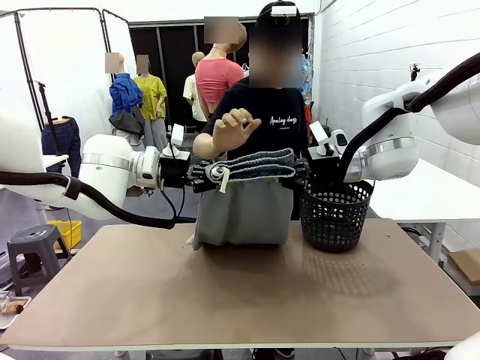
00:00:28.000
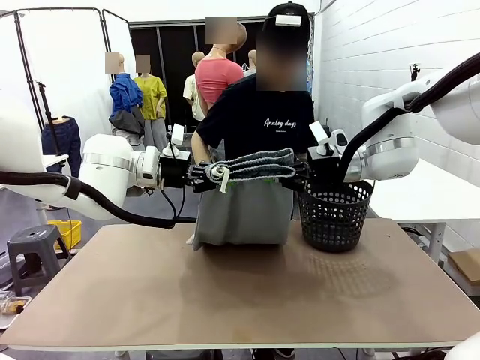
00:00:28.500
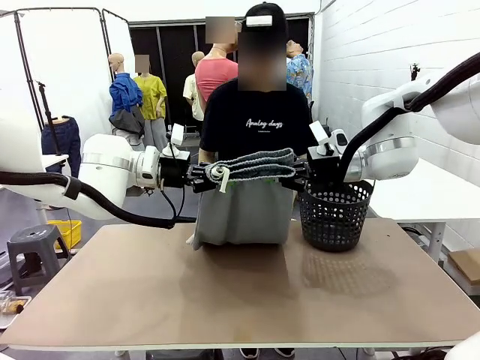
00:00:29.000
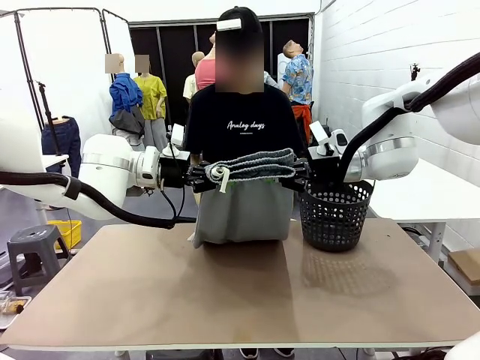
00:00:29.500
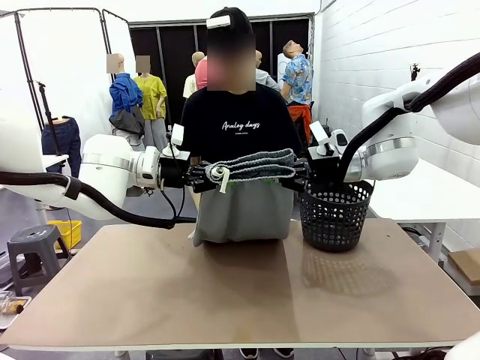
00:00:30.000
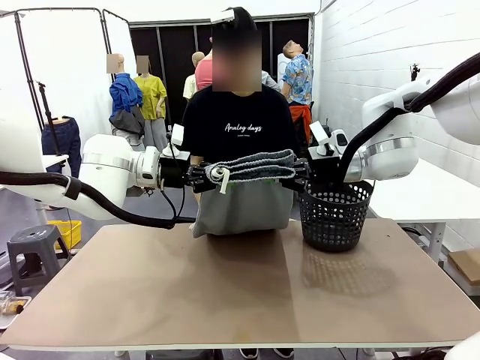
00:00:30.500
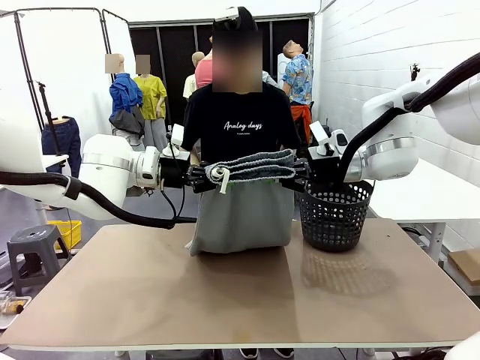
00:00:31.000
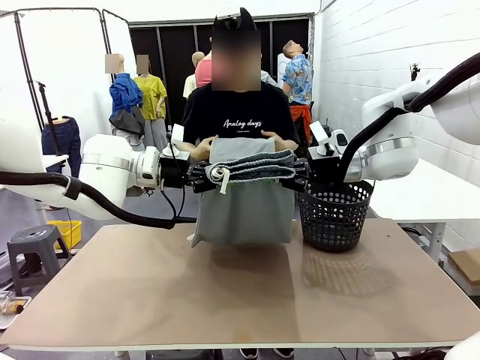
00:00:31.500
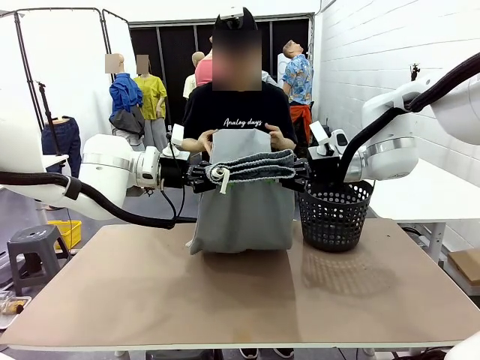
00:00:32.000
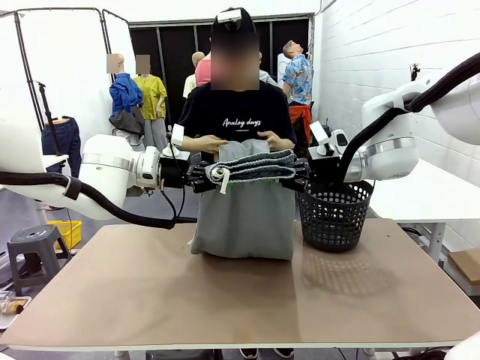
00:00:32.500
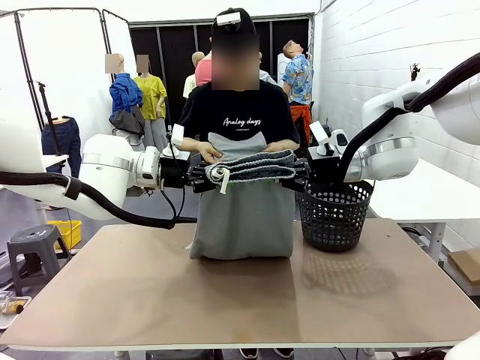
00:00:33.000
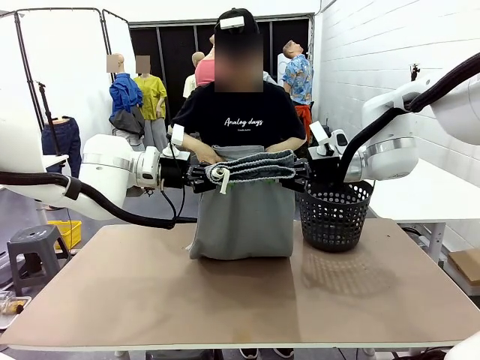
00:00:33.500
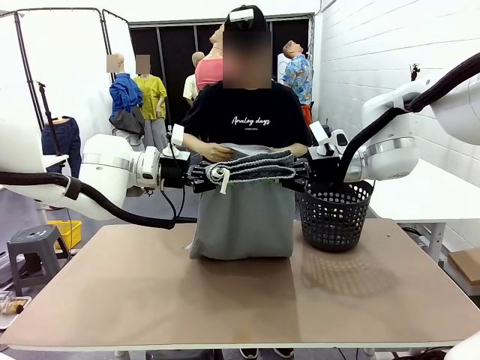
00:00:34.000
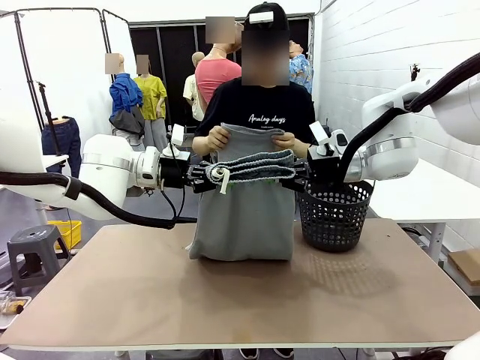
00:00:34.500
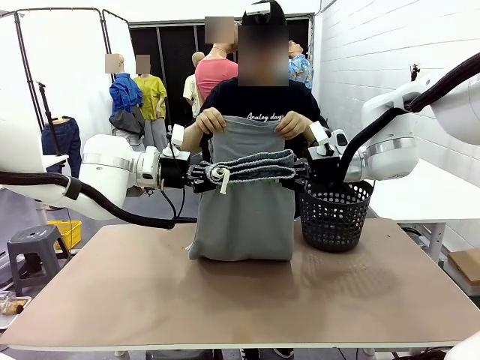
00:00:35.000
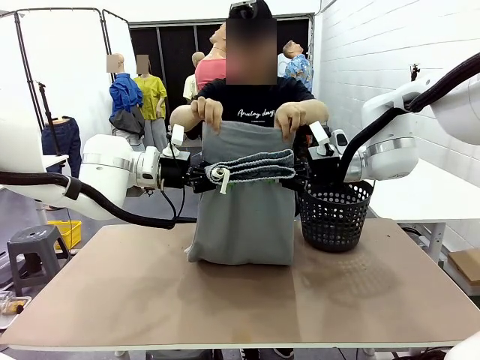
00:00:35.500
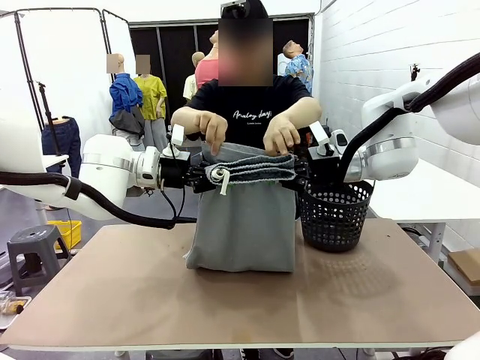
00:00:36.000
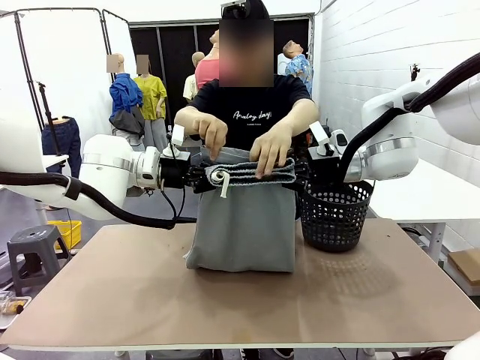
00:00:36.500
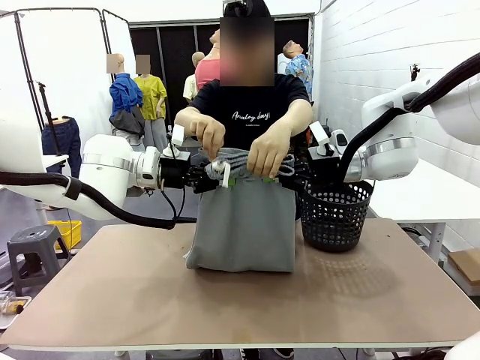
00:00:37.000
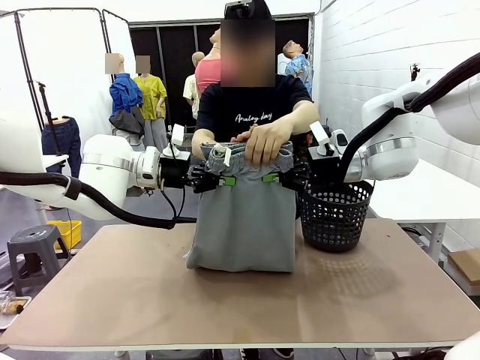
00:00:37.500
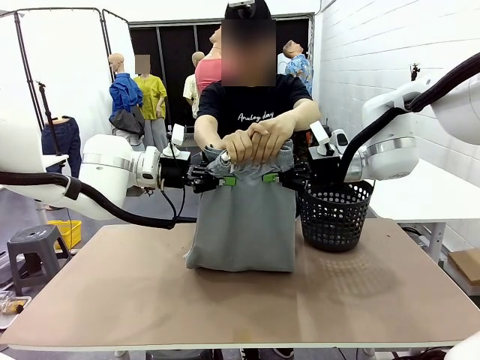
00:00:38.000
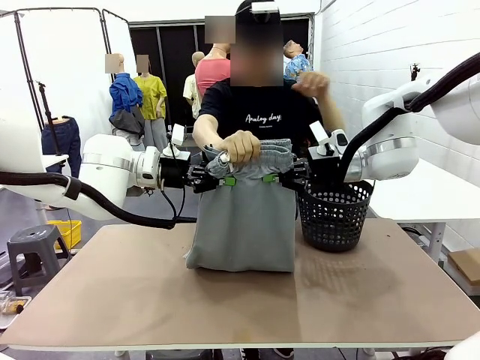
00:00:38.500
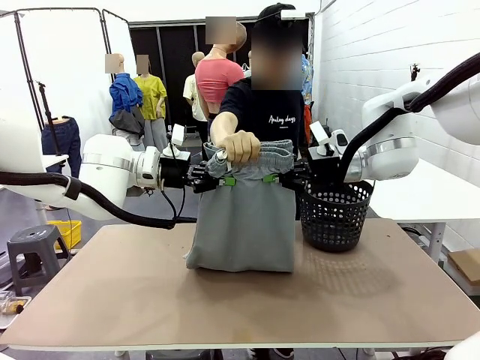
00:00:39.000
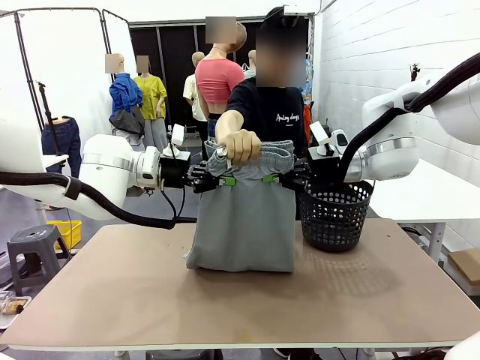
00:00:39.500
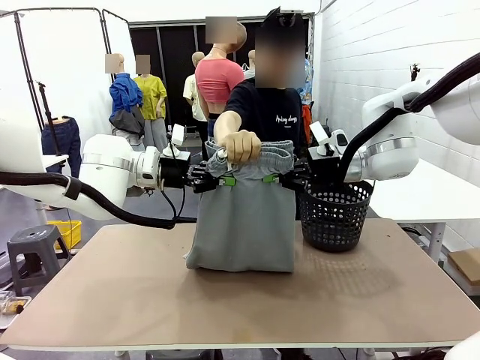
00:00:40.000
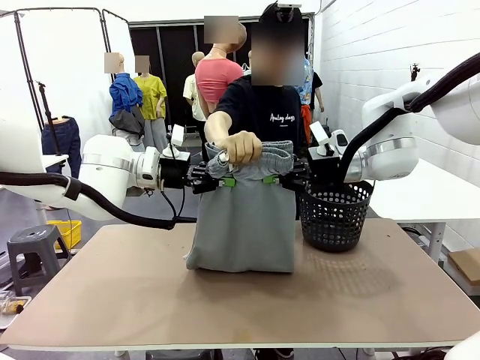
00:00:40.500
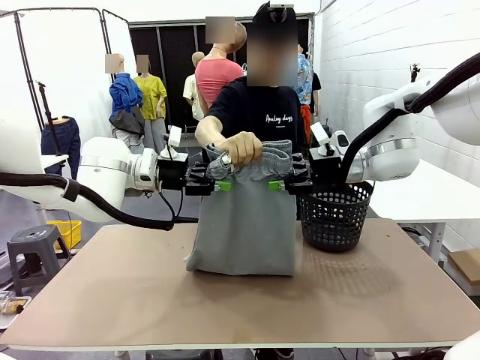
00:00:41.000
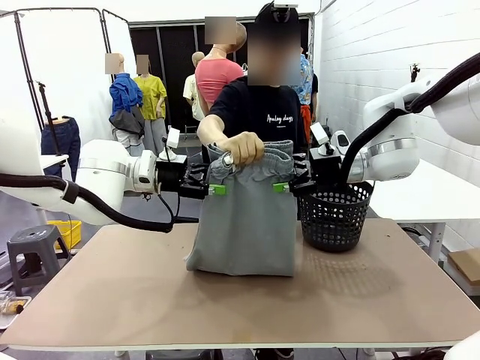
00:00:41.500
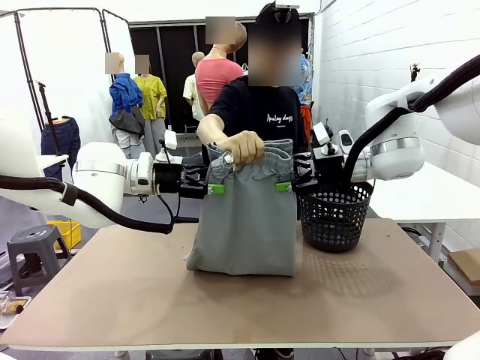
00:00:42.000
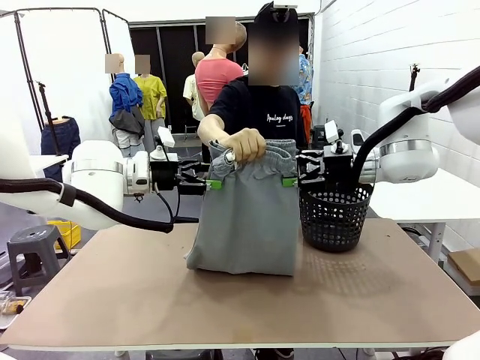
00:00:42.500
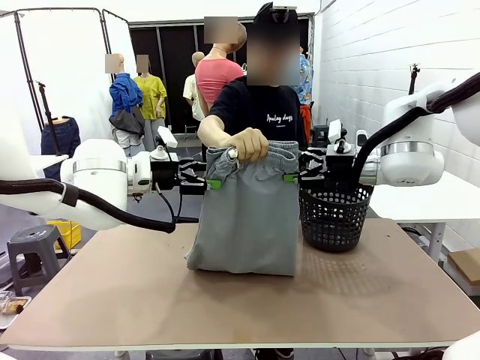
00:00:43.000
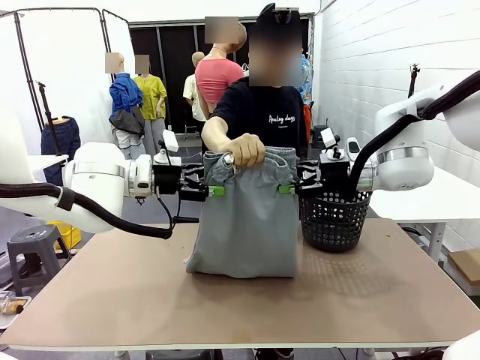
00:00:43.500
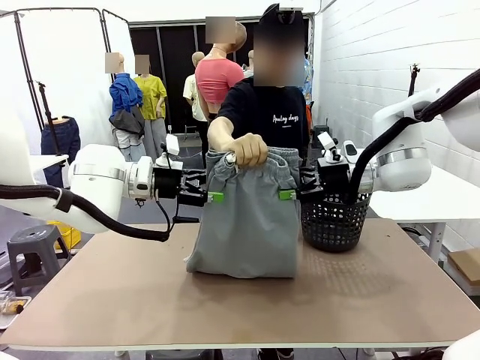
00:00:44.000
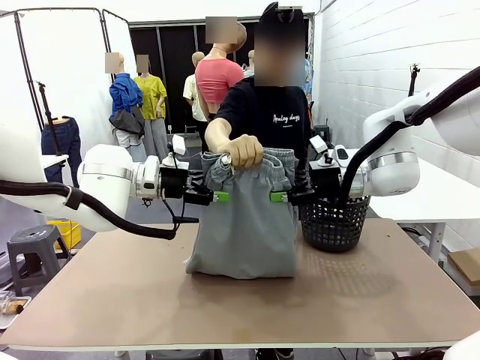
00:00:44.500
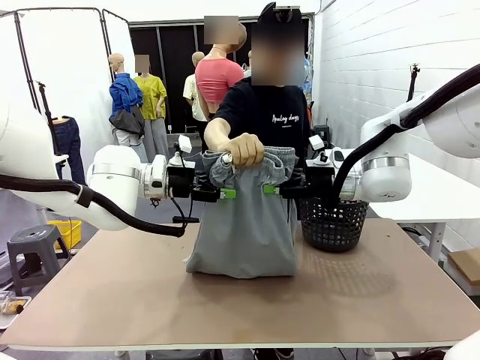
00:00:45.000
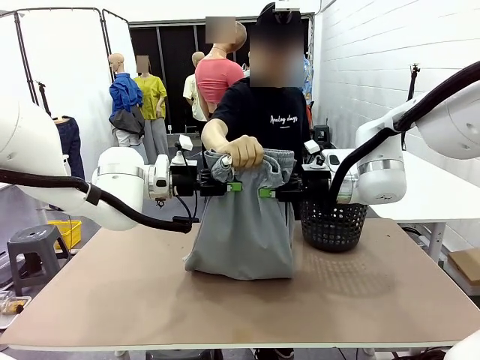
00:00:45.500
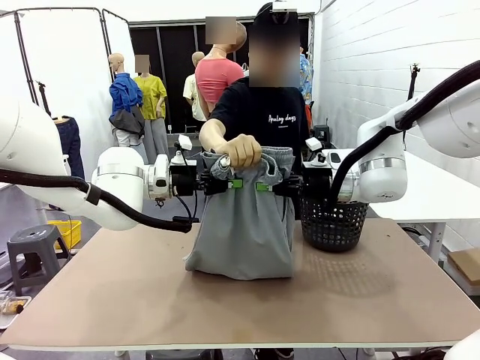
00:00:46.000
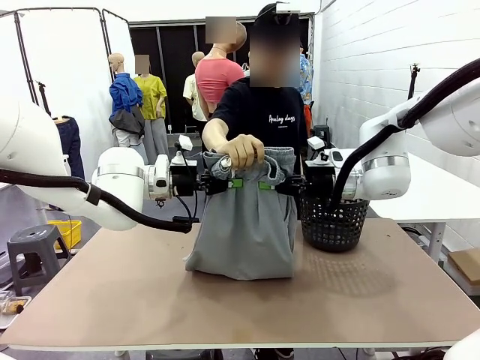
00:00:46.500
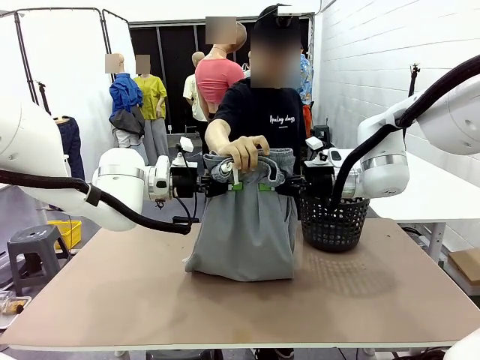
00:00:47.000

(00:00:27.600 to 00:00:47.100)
Task: Fold the training pants.
Robot: Release the ends of the Training pants and then grab the overlapped ends.
Person: Grasp the end opposite the point the robot is holding, fold the pants in half, and then grasp the overlapping top end of the folded pants. Release the pants you were holding.
